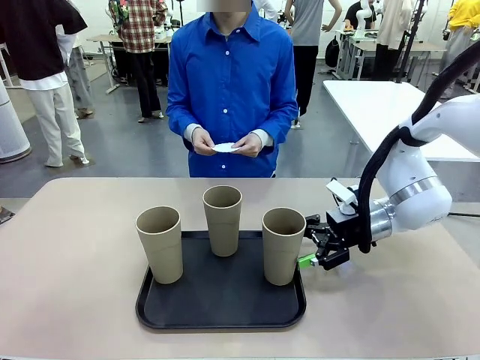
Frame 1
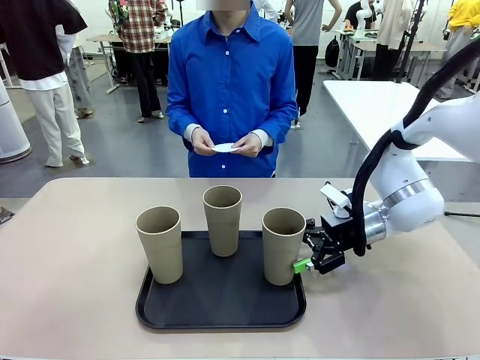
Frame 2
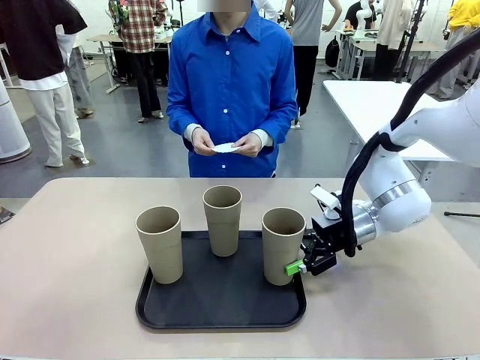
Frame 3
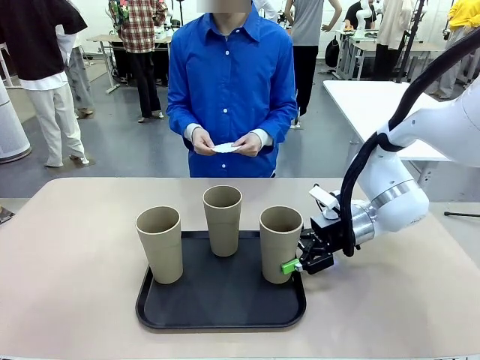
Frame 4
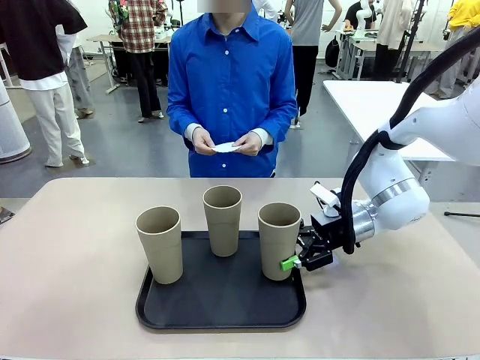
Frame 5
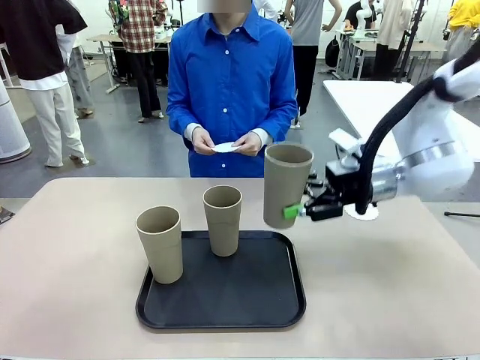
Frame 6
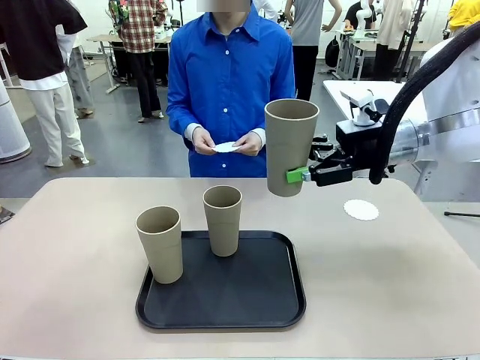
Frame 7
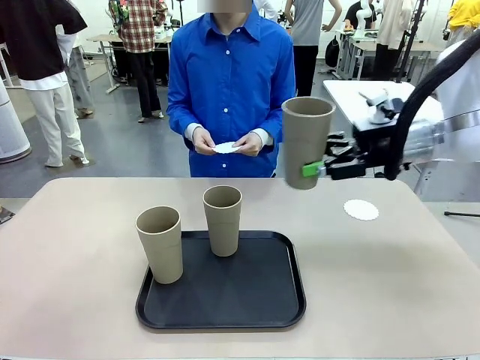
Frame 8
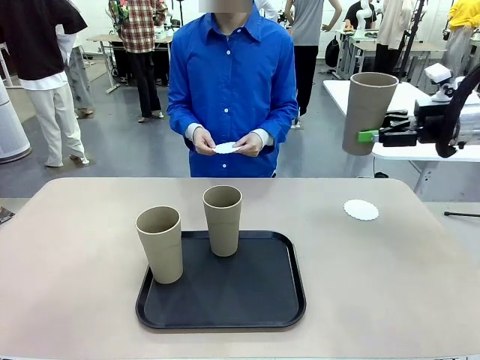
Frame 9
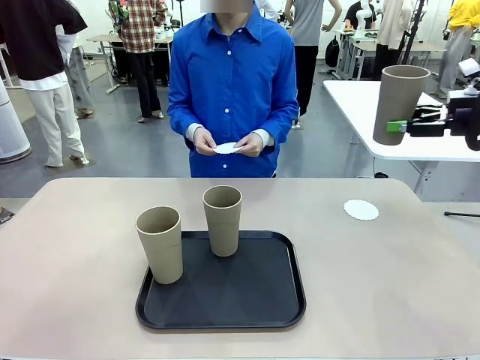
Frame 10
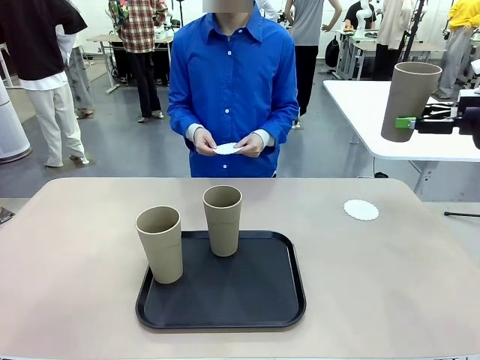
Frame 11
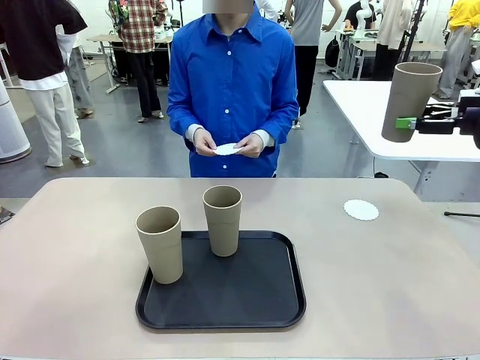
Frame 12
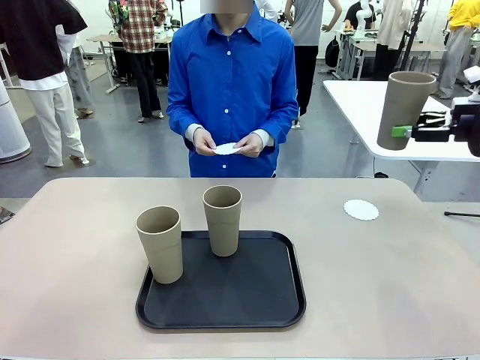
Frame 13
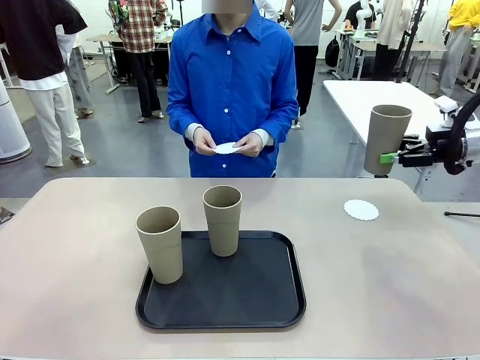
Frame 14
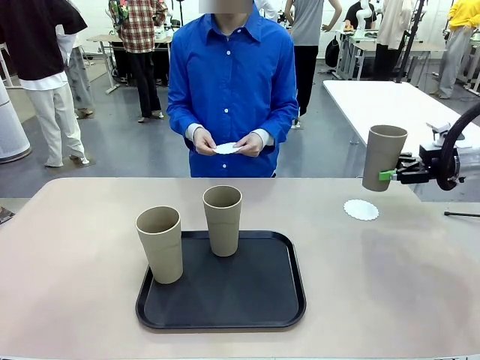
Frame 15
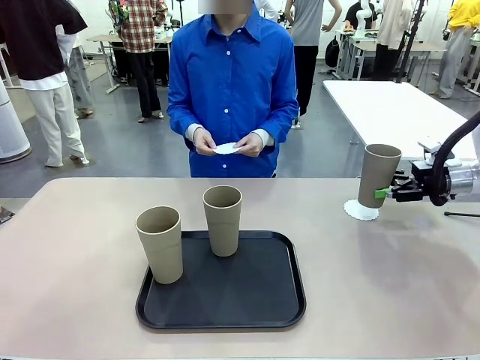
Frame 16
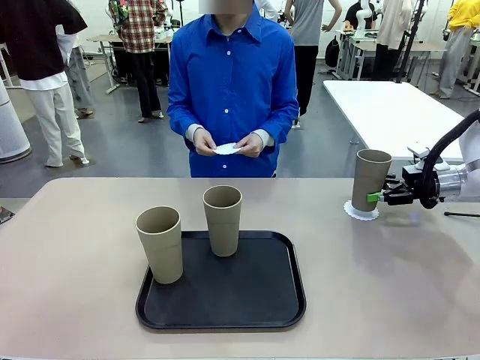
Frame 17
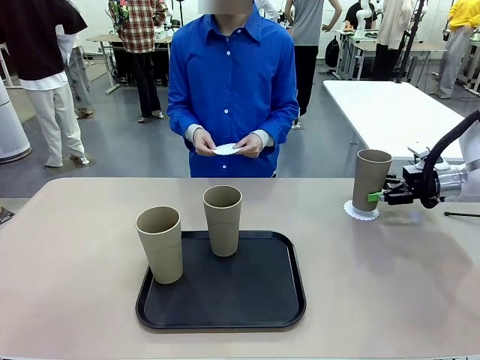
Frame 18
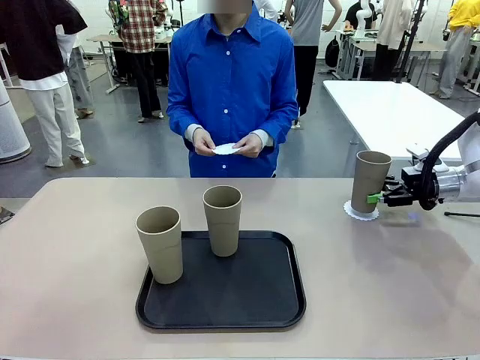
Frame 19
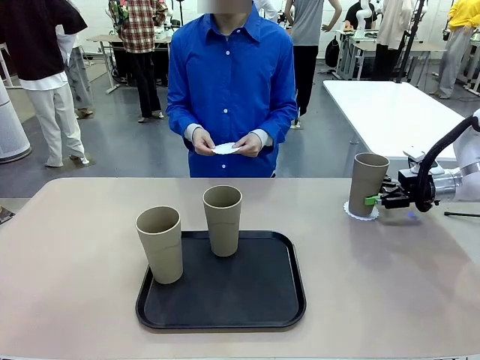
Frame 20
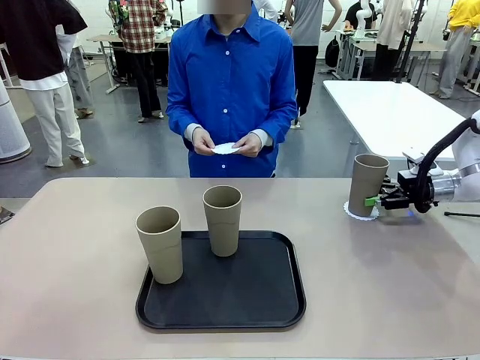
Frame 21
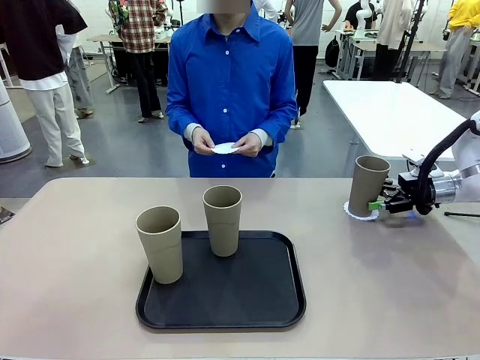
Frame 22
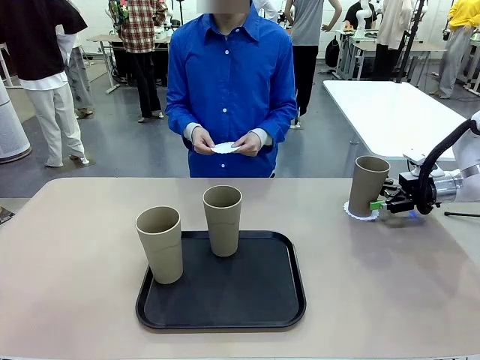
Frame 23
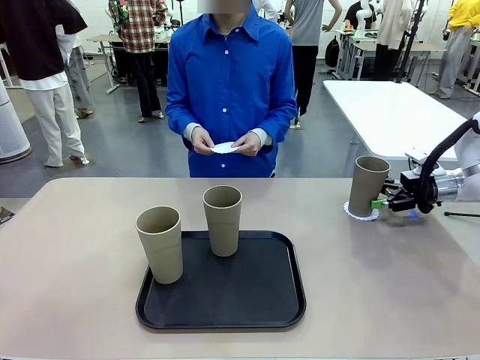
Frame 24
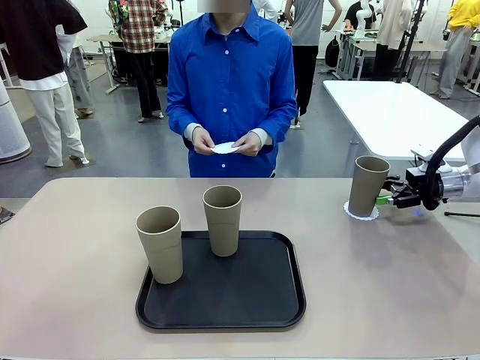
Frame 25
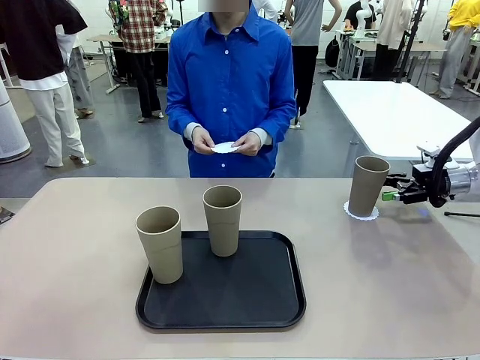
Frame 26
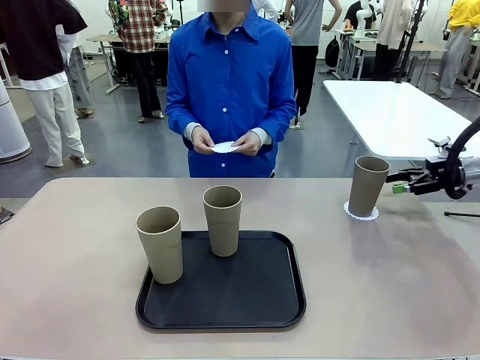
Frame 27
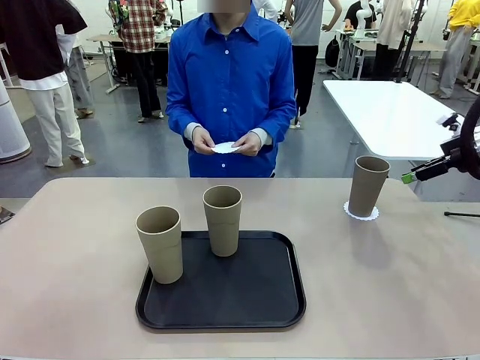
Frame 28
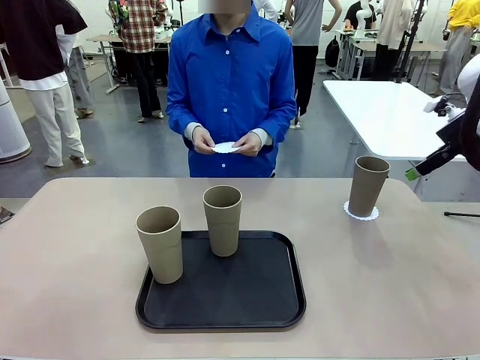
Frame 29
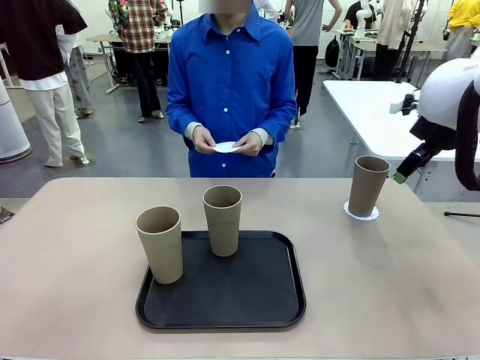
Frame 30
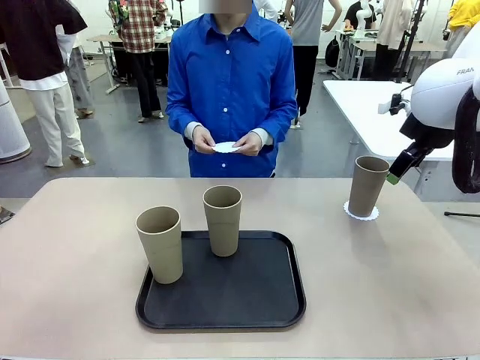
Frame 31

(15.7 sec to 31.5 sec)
Task: Place coasters on the table and set cups on them.
Robot: Pick up one Reusable plastic cup and place it on a coaster set by the human.
Person: Place one coaster in one of the two areas excluding the previously selected area.

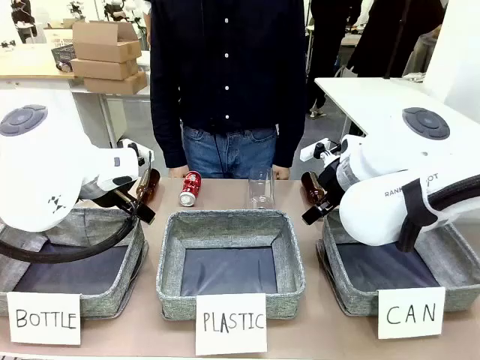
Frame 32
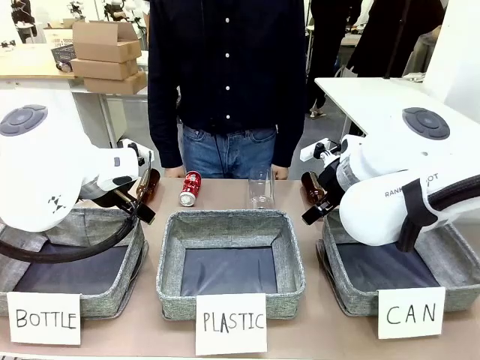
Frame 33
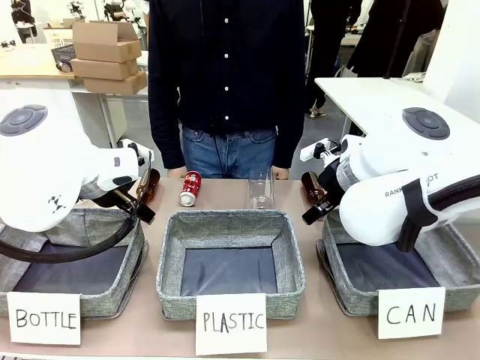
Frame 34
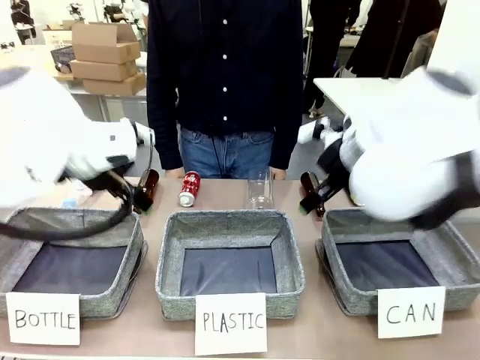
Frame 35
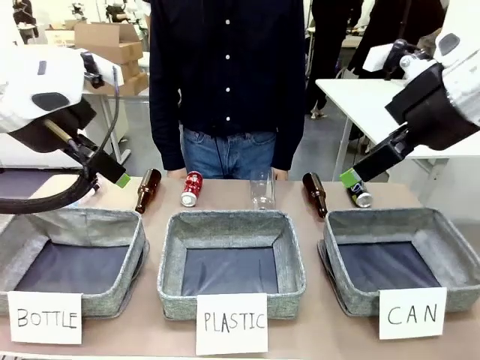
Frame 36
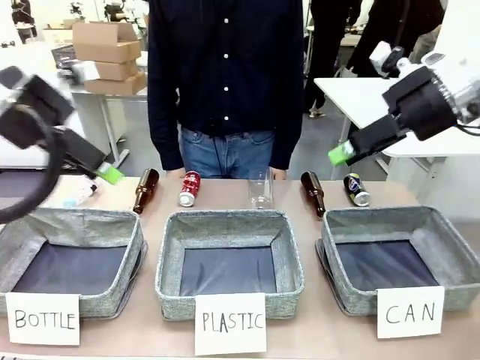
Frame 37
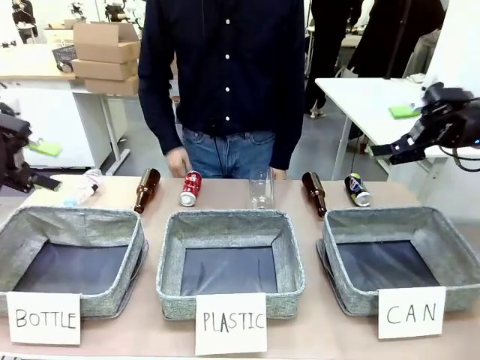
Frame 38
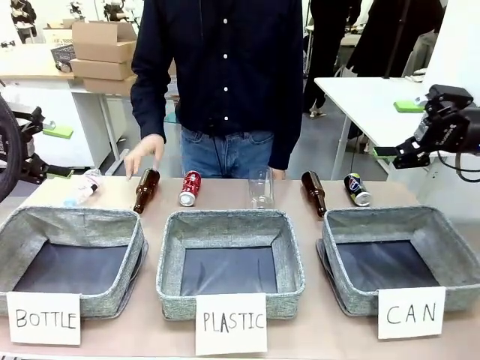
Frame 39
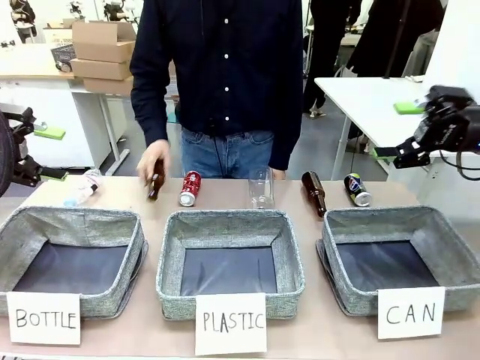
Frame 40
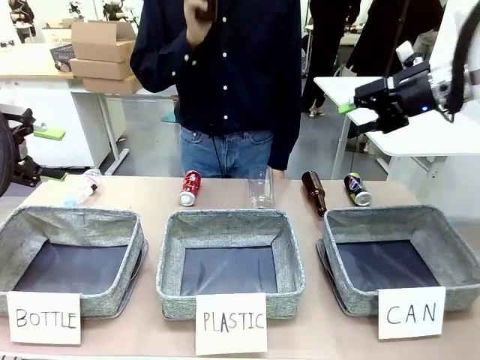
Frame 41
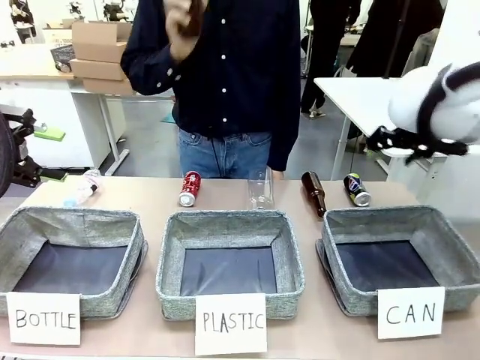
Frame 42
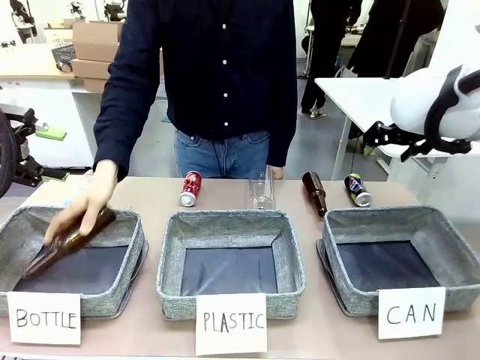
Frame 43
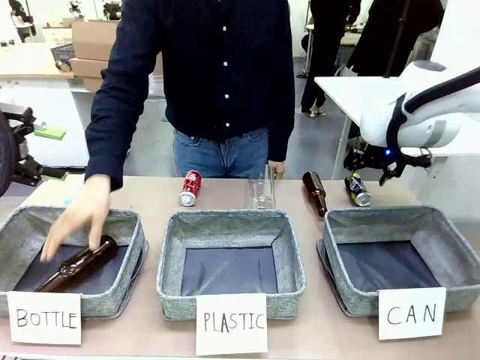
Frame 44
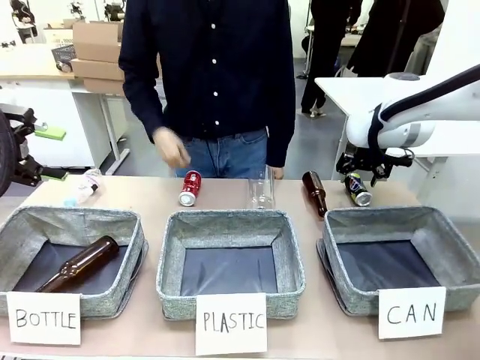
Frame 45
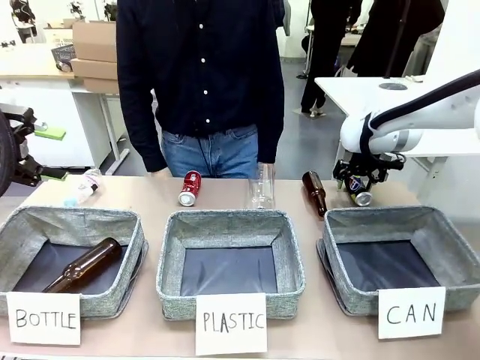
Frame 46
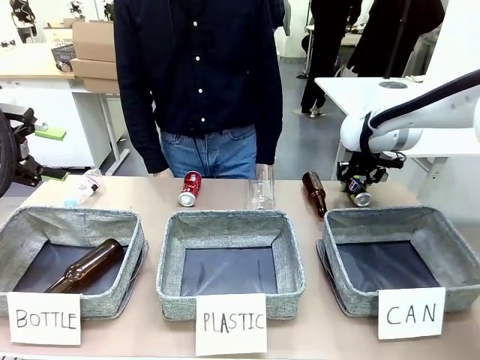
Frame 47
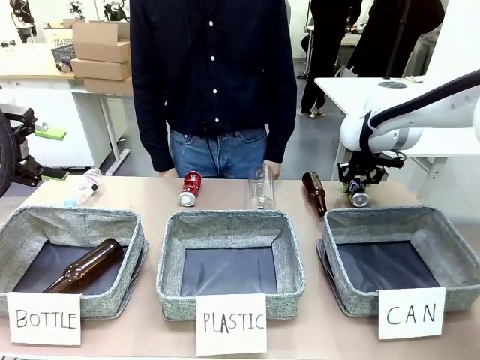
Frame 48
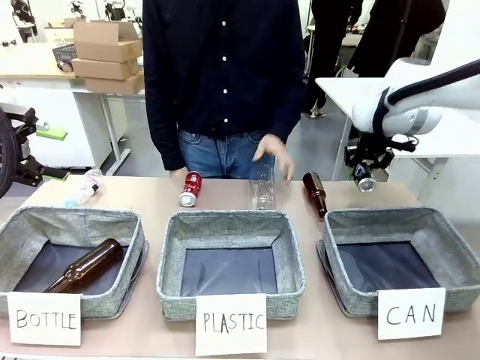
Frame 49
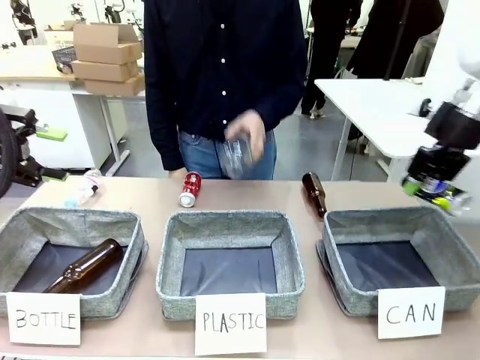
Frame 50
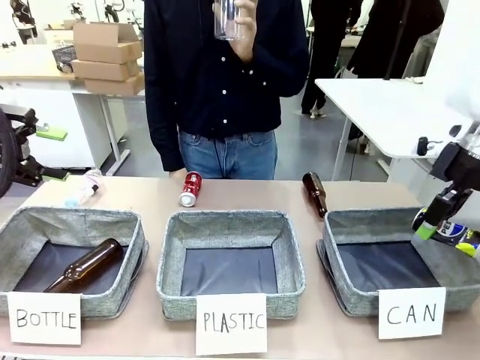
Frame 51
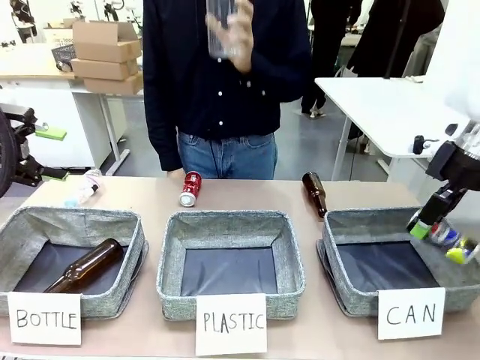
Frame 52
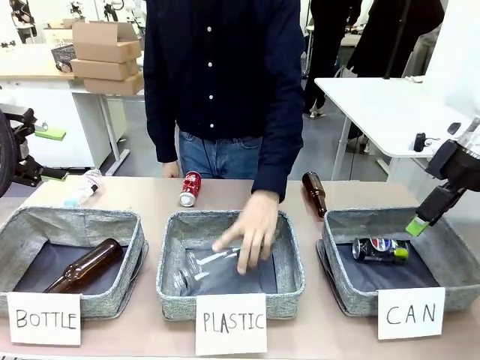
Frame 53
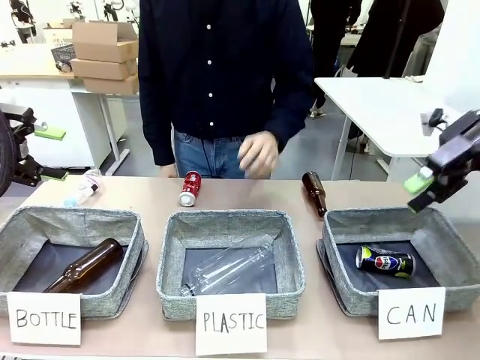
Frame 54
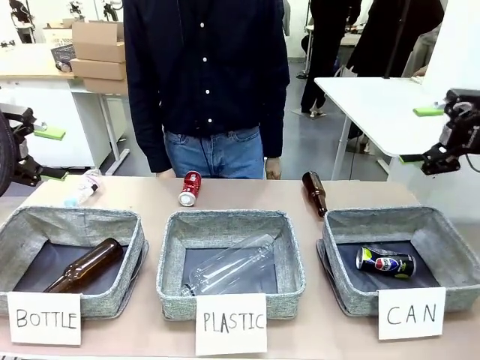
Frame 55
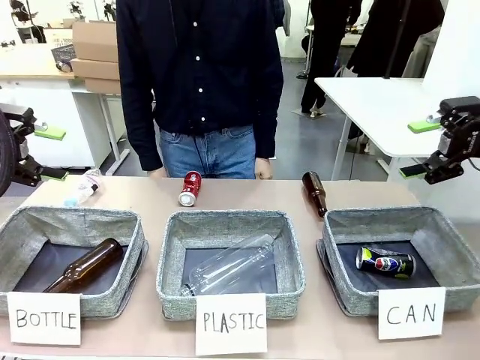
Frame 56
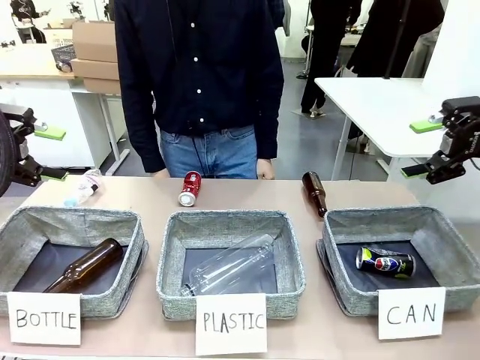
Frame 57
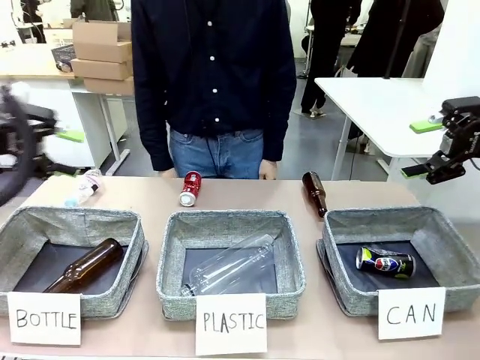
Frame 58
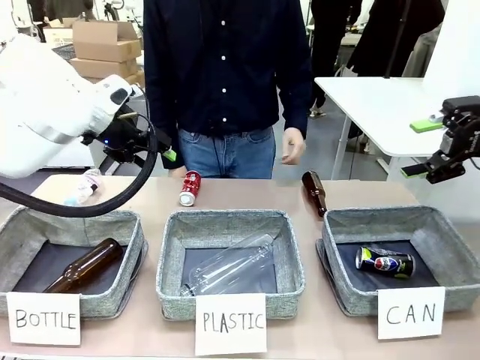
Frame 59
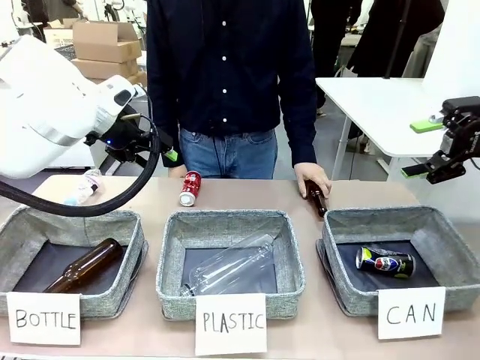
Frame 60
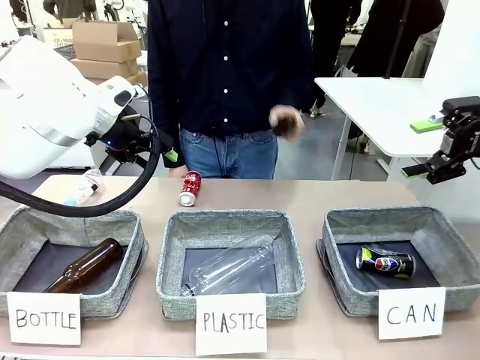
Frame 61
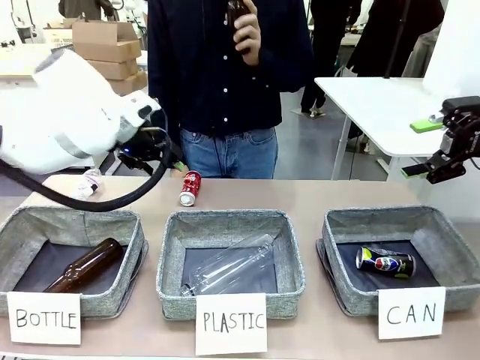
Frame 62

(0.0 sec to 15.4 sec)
Task: Sort the can waste into the basket.
Robot: Pick up the can waste from the table and place it in the right Fabric basket.
